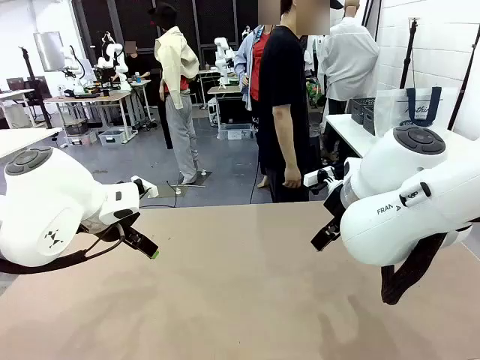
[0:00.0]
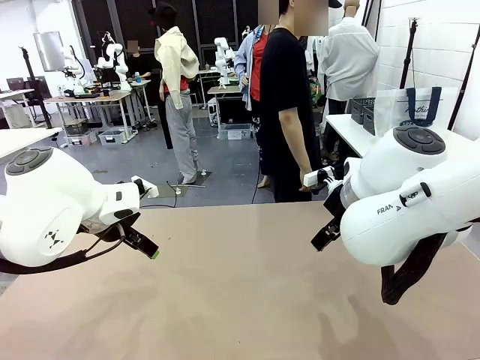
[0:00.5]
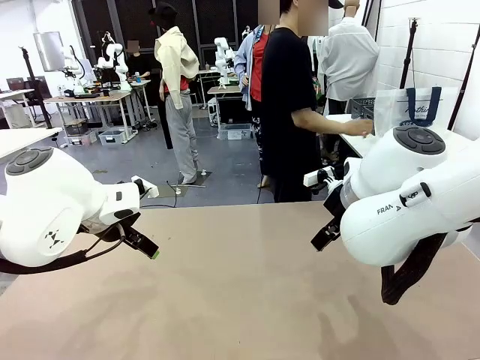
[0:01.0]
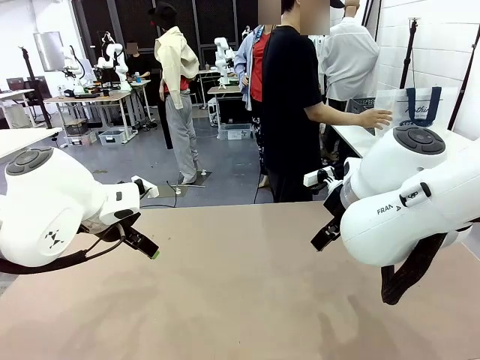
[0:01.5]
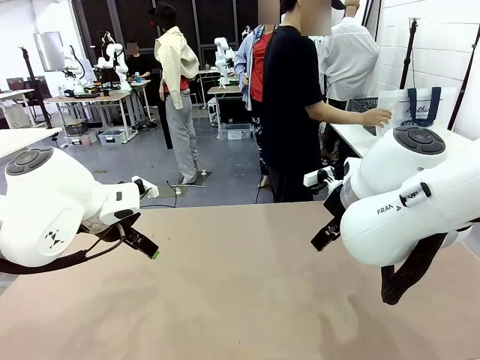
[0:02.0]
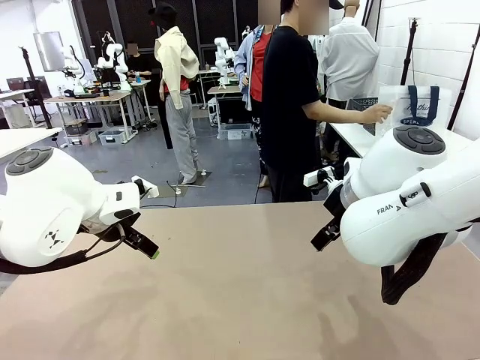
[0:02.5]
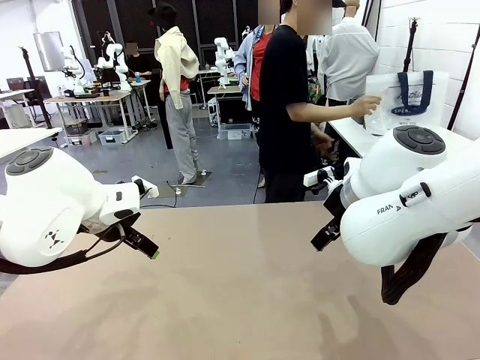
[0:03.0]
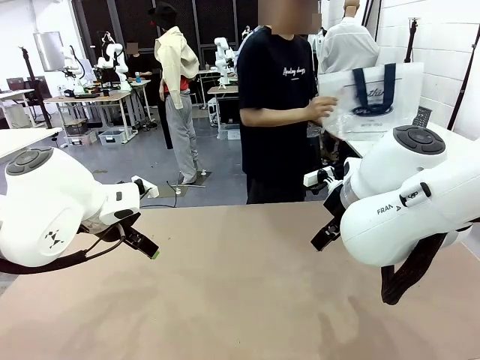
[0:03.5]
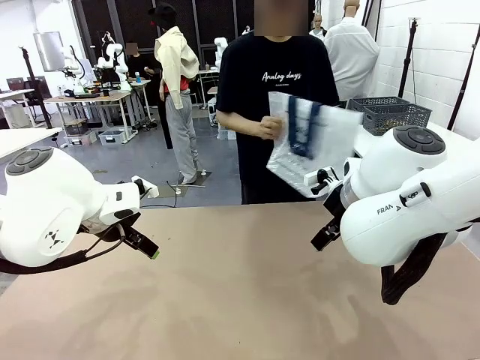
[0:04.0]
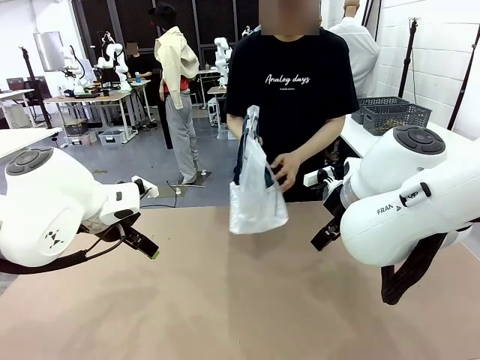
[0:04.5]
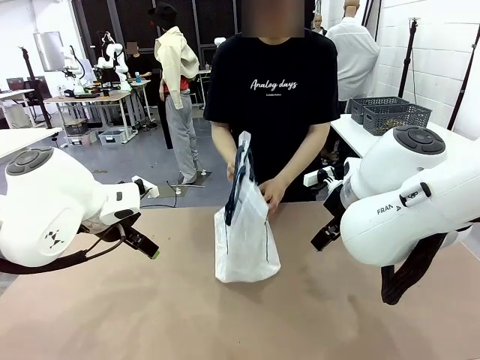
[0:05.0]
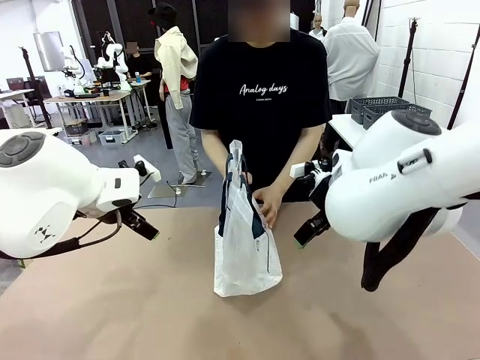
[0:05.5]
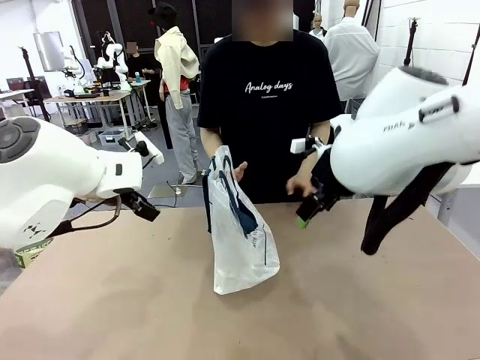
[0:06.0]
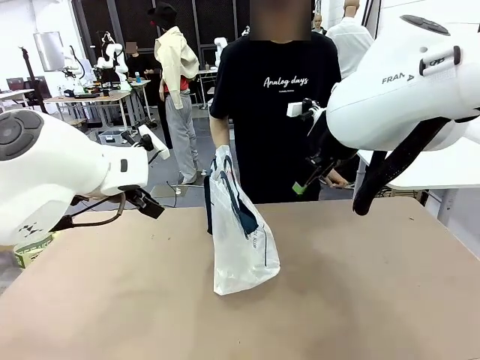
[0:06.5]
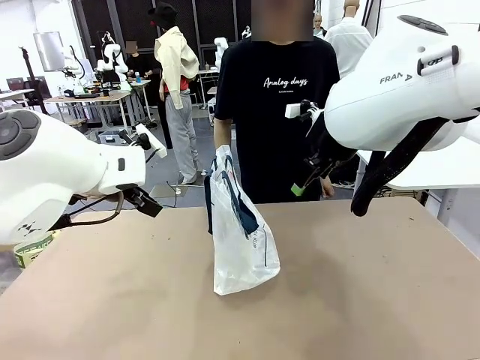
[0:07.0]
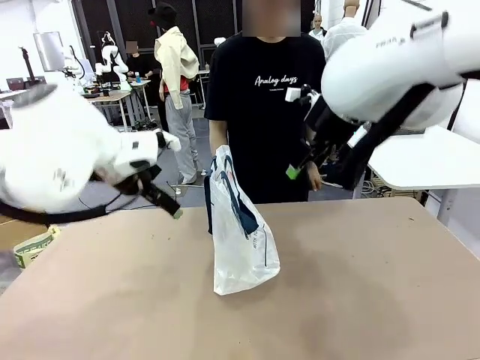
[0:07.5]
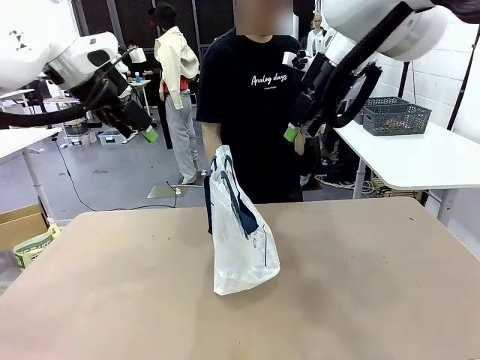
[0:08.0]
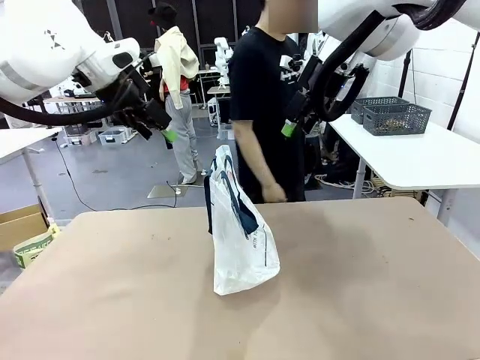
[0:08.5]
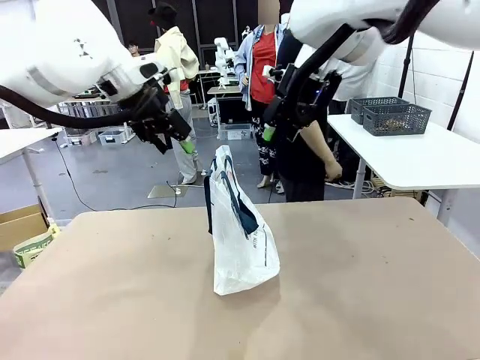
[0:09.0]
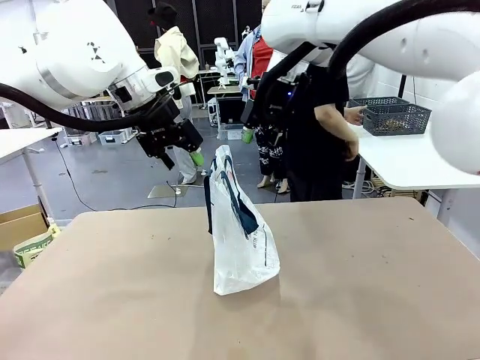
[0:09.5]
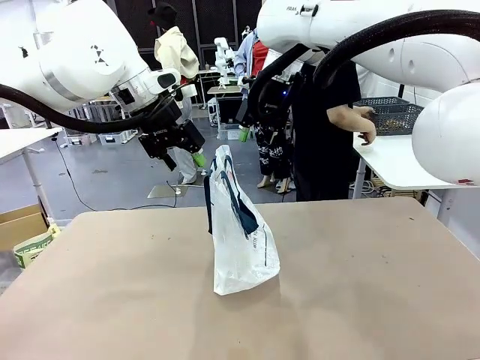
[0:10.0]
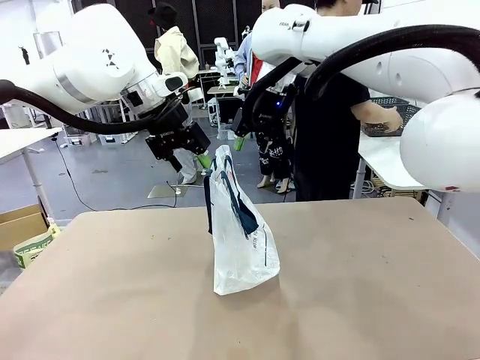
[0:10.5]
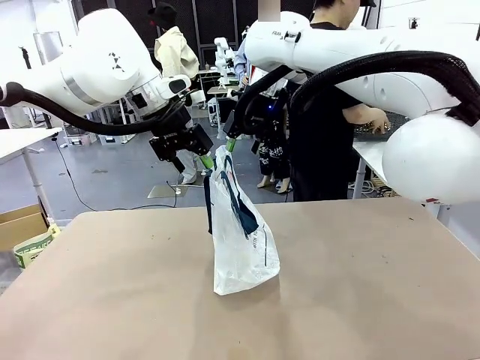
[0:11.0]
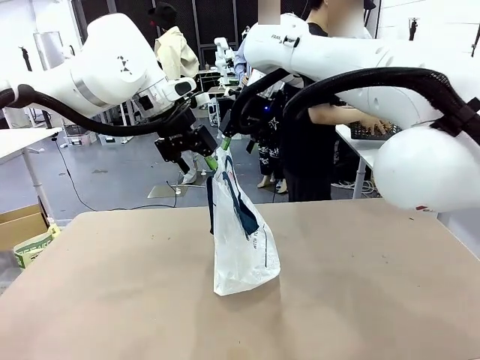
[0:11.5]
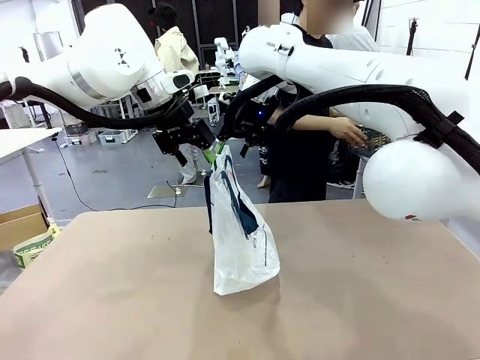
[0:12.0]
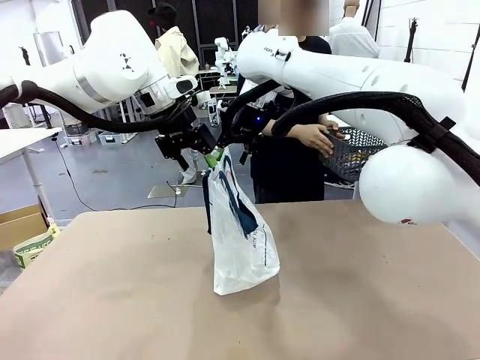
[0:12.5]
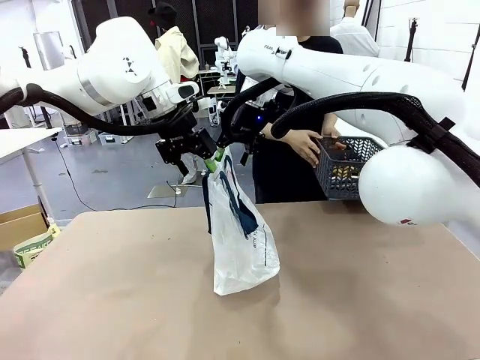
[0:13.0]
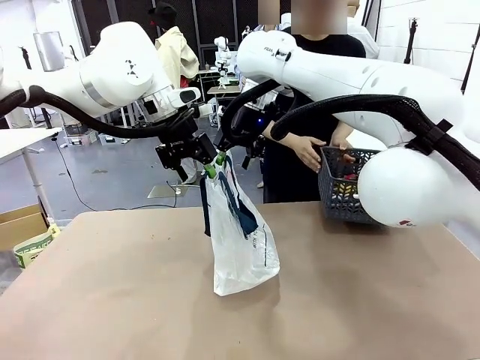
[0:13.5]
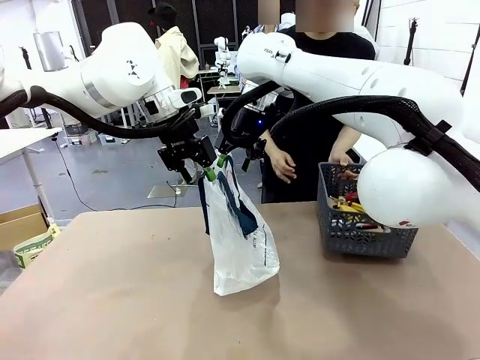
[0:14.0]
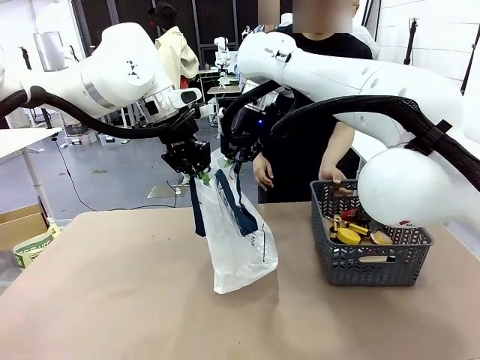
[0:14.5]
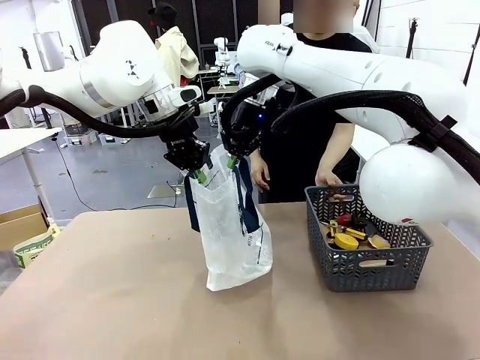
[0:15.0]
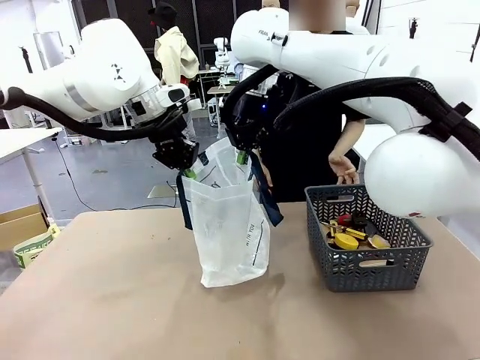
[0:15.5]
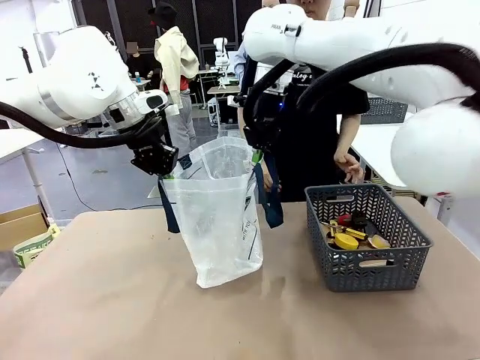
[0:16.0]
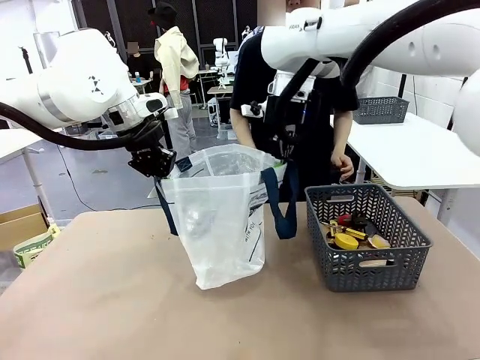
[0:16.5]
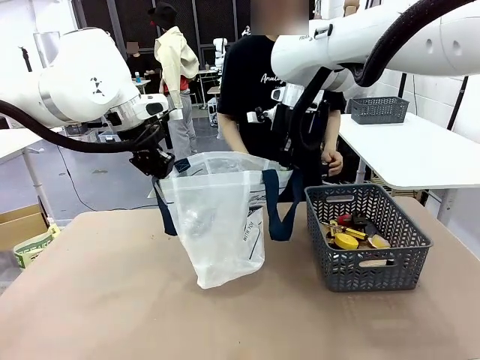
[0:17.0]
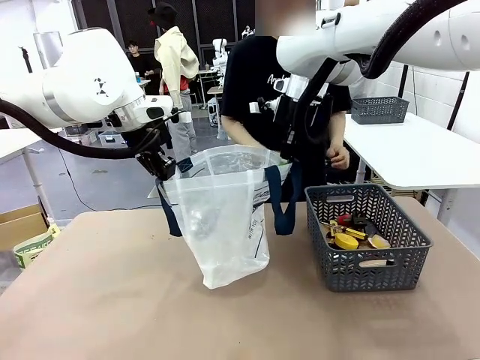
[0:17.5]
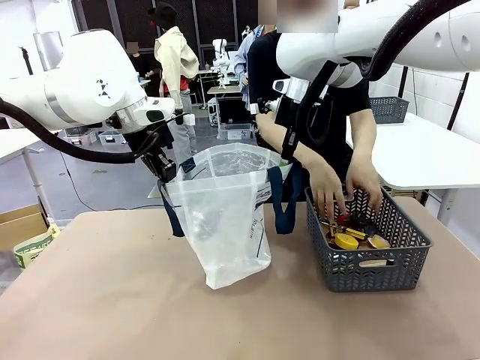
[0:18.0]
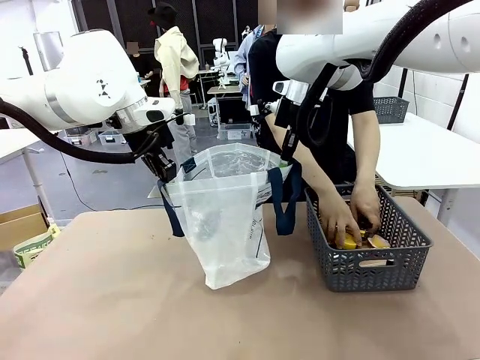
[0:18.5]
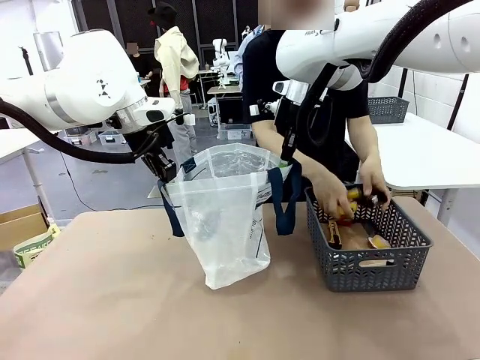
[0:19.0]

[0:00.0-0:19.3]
Task: Transfer purchased items from the store into the shopping bag.
Robot: Open the Reusable shopping bag in the center of the table.
Person: Pick up the shopping bag and place it in the middle of the robot table.
